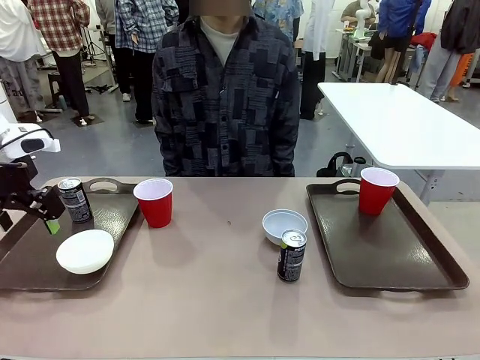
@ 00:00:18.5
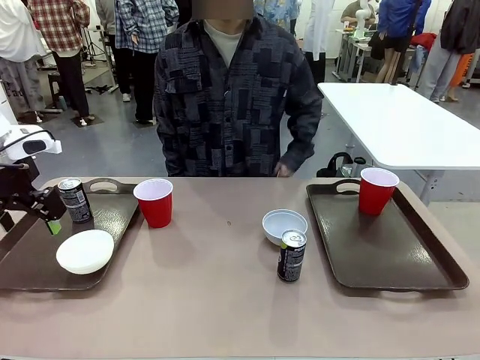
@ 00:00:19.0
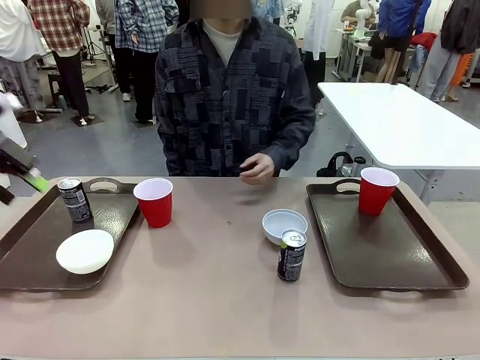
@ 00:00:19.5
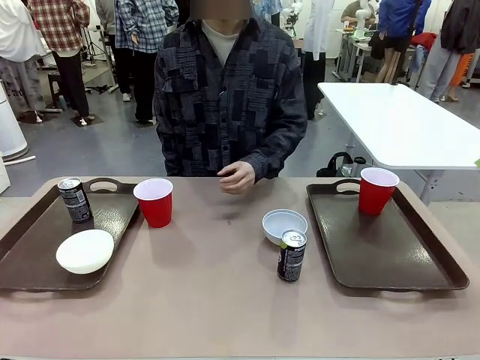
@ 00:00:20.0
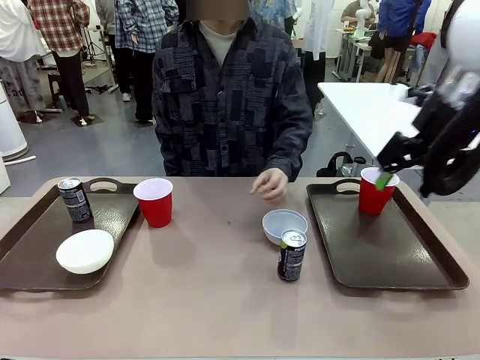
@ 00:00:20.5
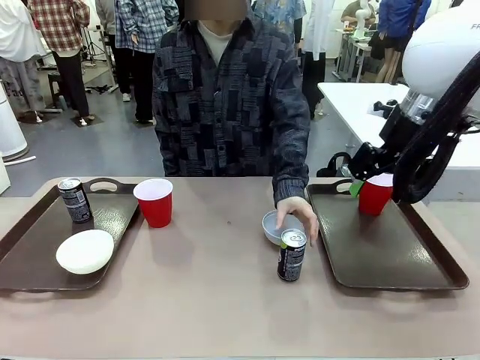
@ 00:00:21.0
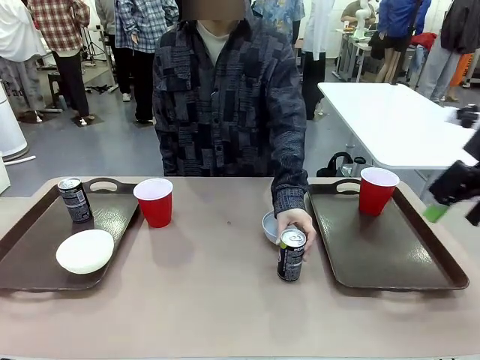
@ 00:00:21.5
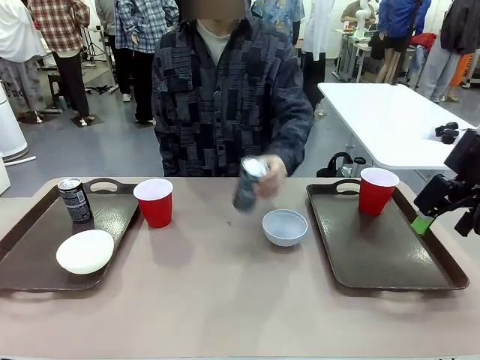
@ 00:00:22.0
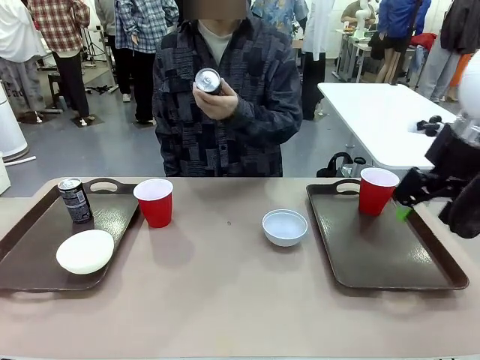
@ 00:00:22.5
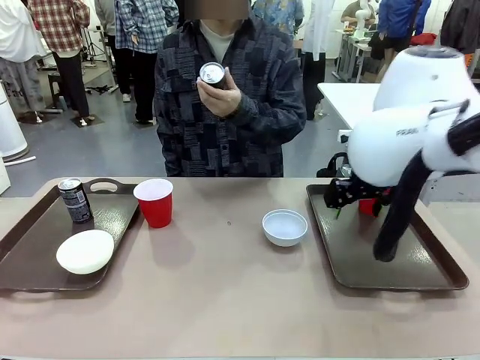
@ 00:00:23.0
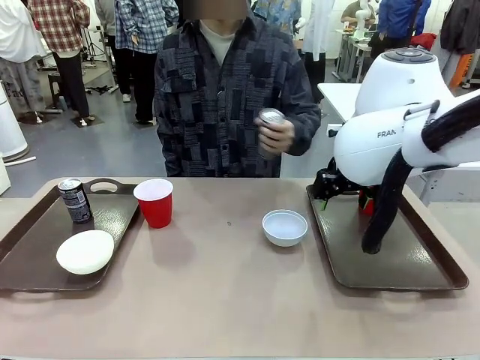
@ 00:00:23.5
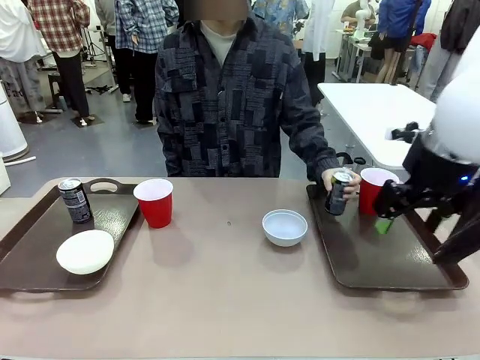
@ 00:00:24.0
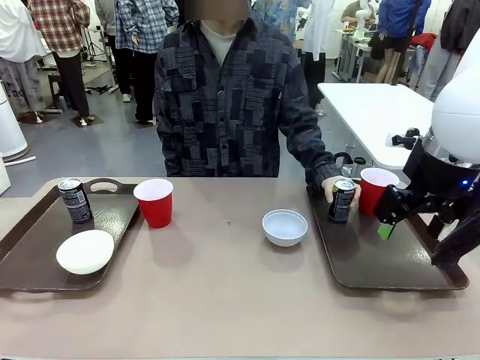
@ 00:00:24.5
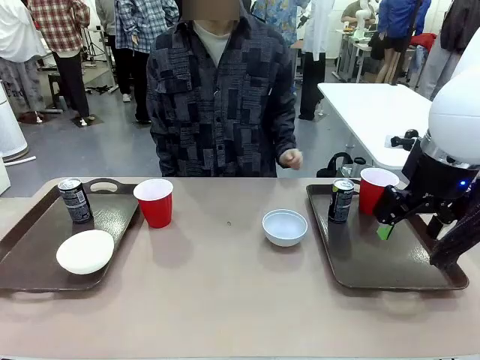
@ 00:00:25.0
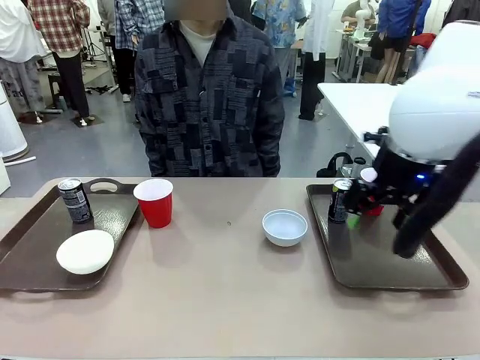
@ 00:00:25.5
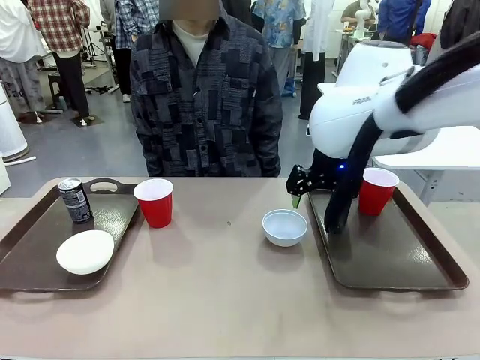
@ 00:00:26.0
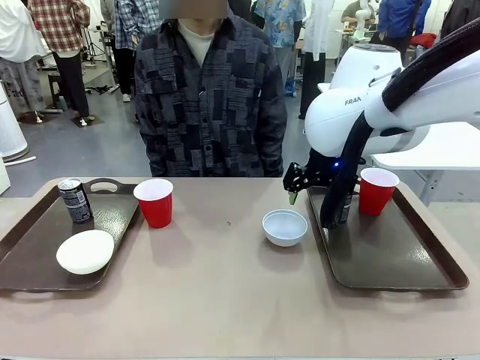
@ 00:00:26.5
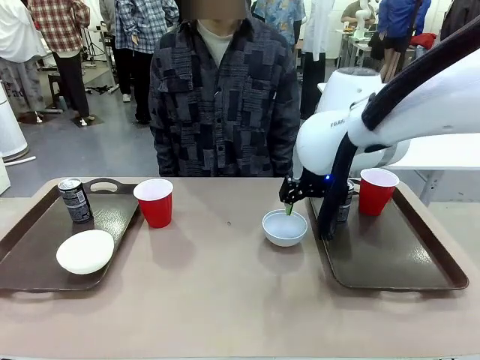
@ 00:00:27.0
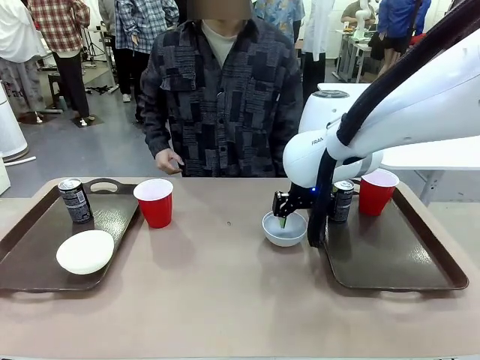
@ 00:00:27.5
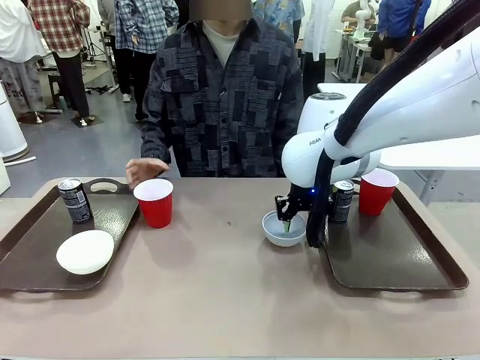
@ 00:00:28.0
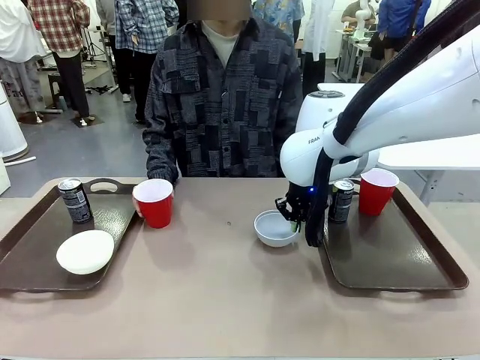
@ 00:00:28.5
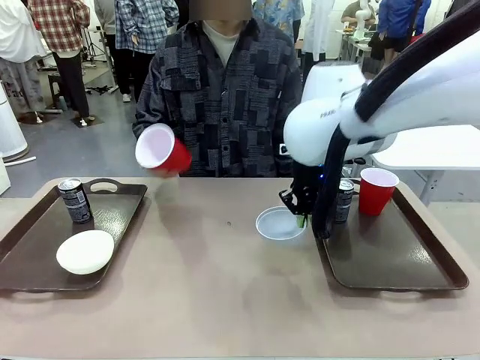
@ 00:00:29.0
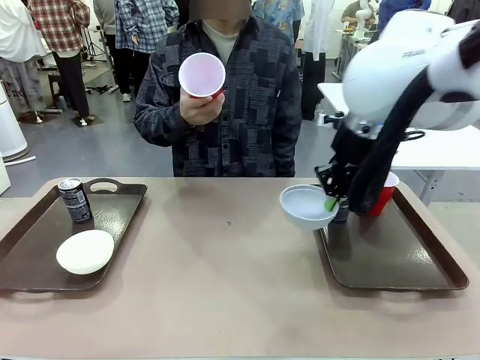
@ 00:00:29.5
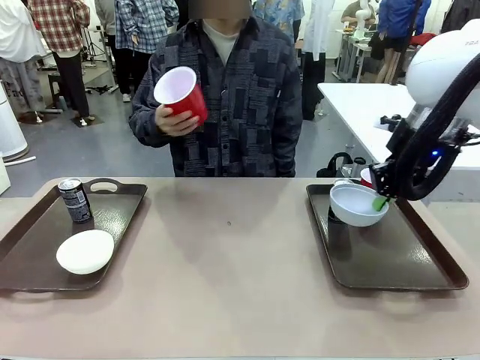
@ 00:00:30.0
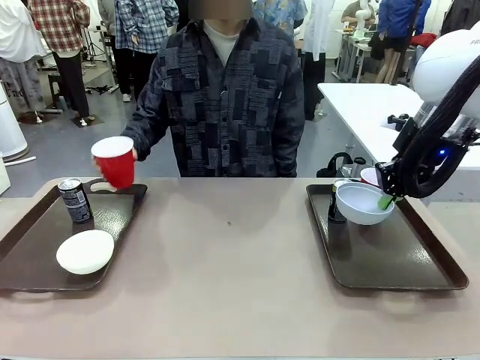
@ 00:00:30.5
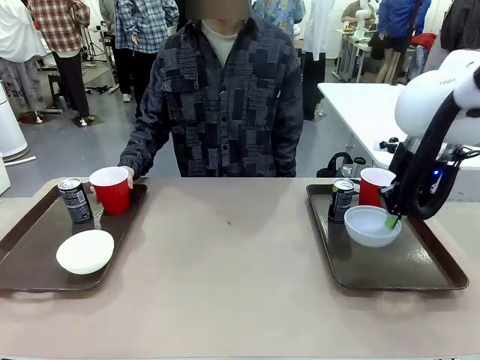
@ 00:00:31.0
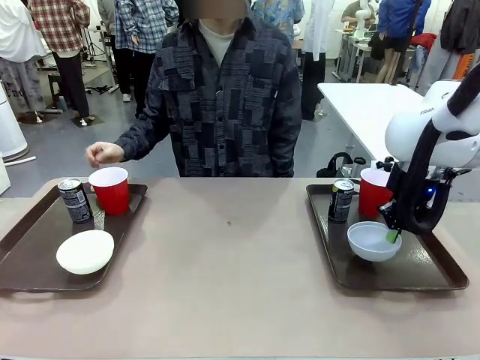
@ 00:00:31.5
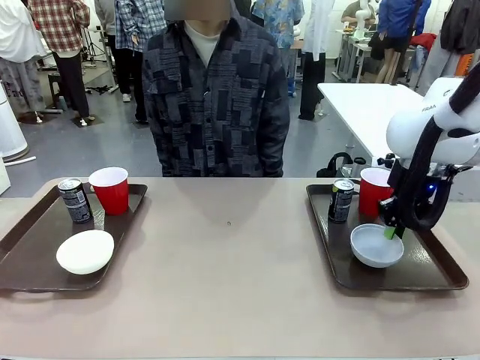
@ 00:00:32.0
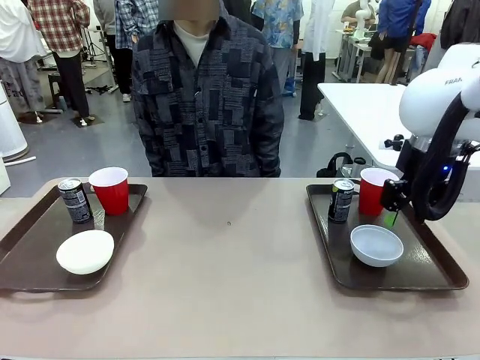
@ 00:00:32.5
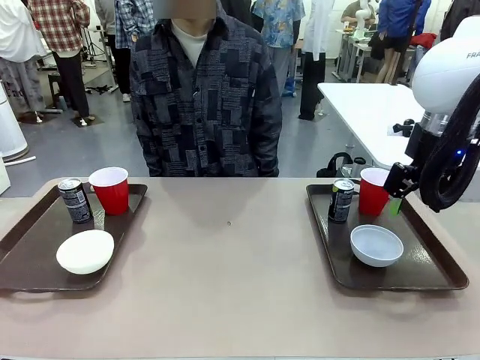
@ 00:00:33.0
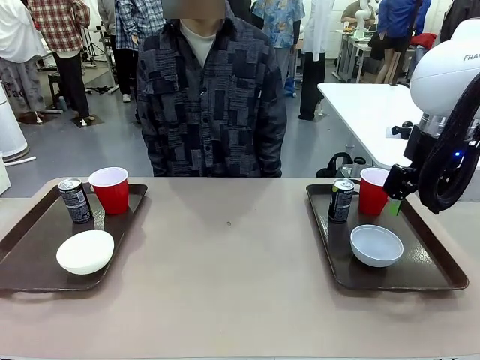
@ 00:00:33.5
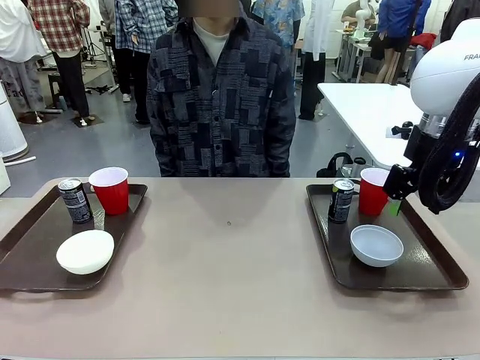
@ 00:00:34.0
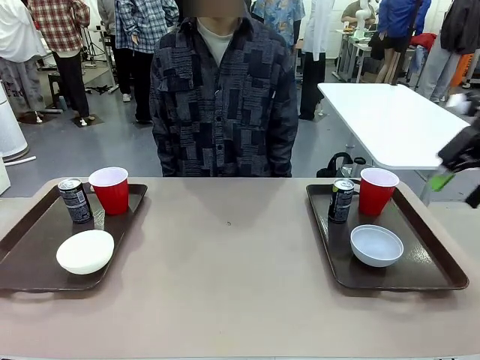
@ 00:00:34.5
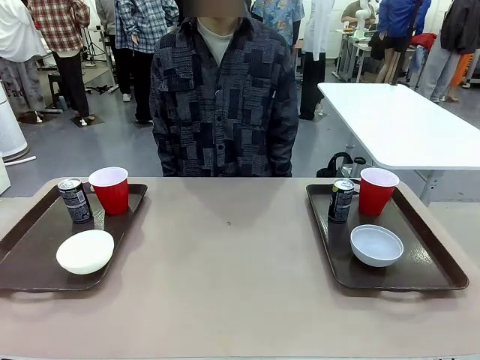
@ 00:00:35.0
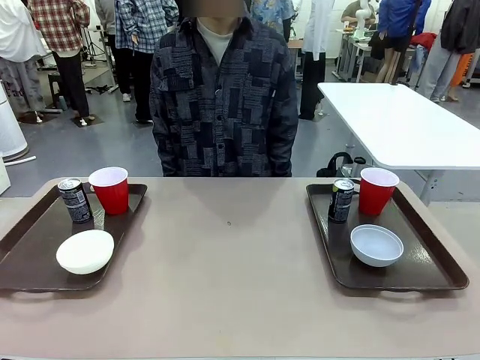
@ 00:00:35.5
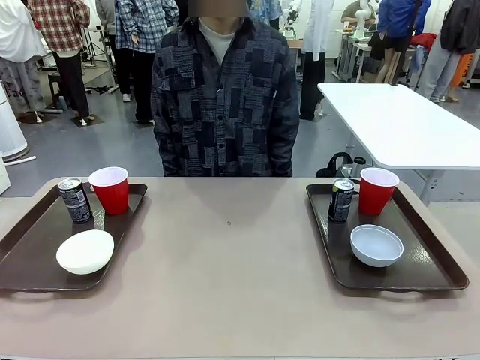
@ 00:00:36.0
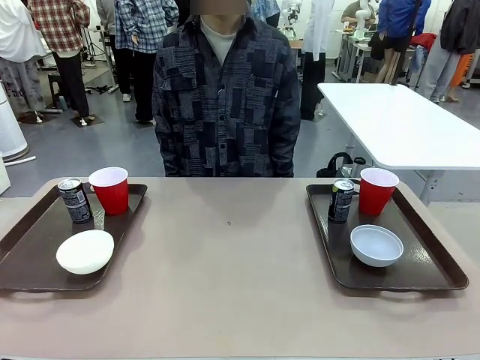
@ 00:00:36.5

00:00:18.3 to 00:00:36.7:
Task: Prepare tableware on both trays.
Robot: Pick up a Picnic Bowl from the table and place it on a Handle tray.
Person: Pick up a can or cup and place it on the tray without a can or cup.

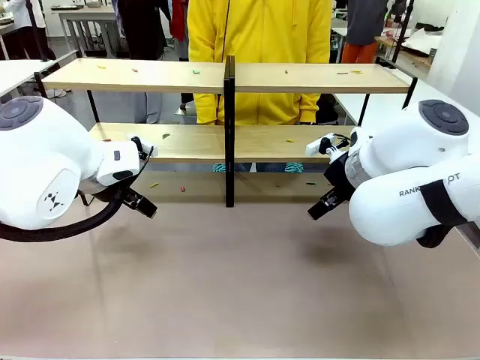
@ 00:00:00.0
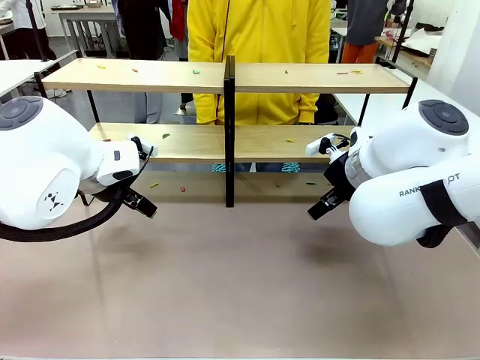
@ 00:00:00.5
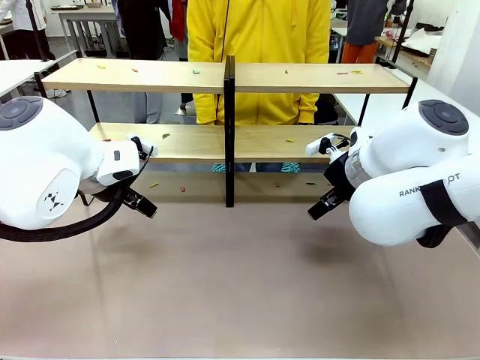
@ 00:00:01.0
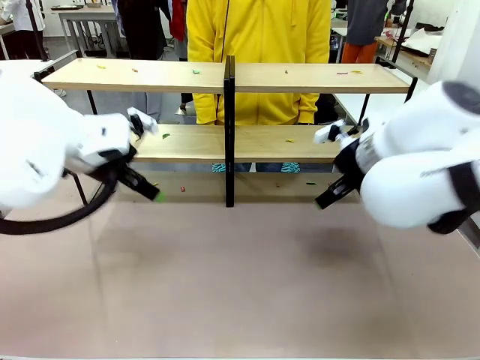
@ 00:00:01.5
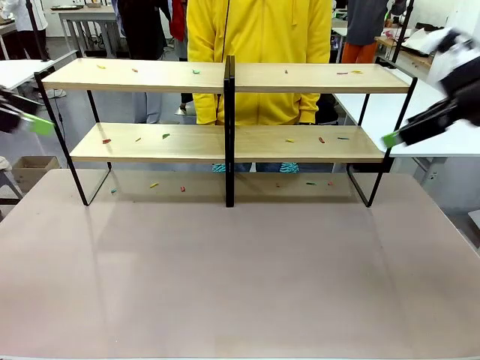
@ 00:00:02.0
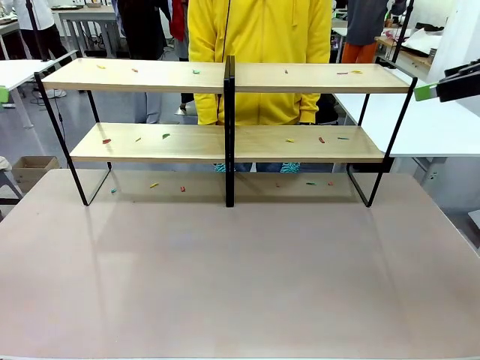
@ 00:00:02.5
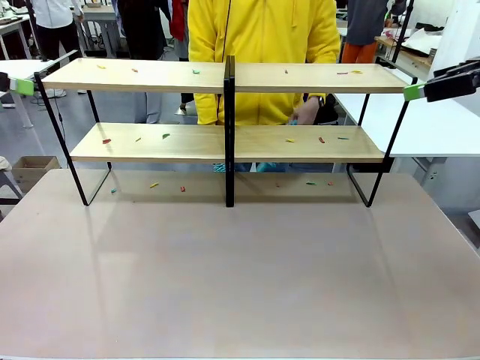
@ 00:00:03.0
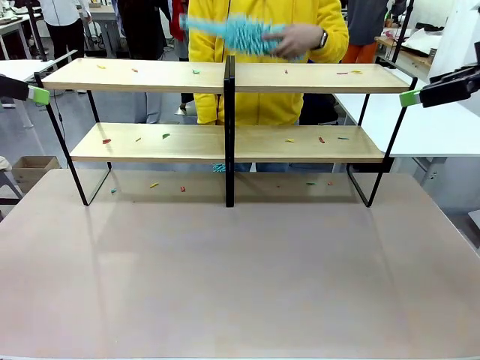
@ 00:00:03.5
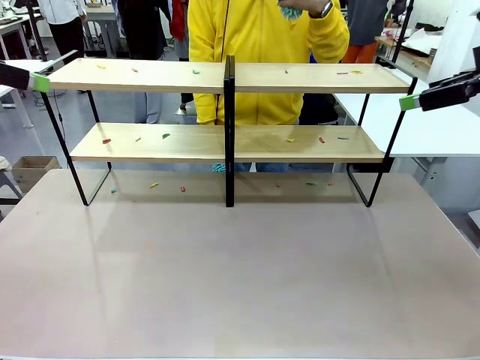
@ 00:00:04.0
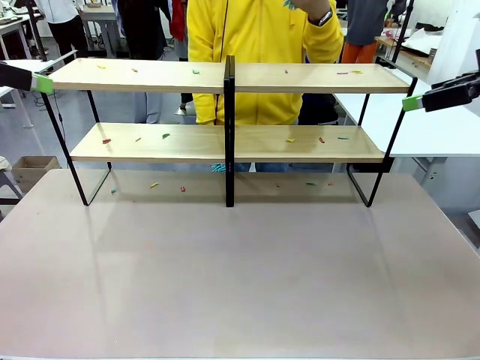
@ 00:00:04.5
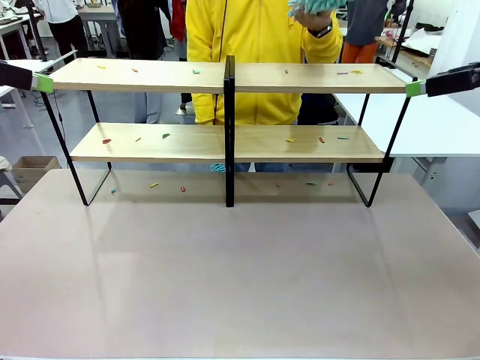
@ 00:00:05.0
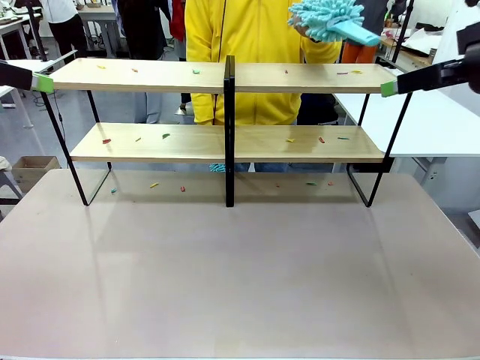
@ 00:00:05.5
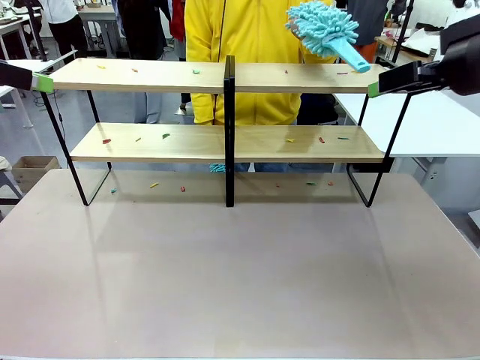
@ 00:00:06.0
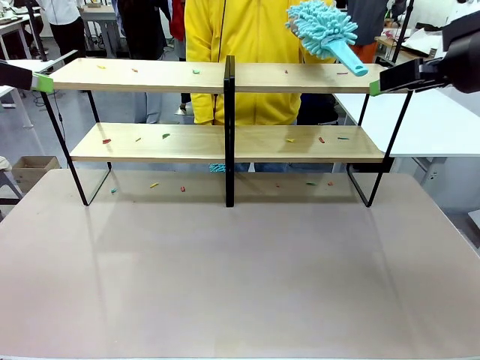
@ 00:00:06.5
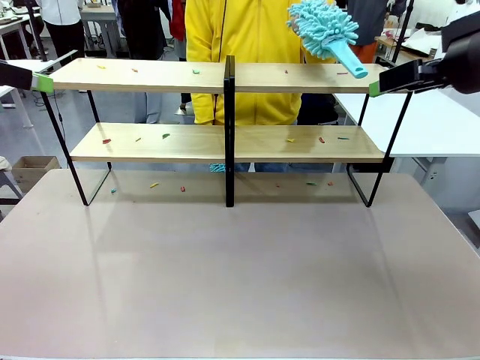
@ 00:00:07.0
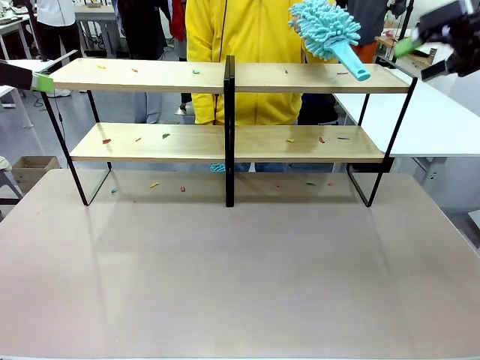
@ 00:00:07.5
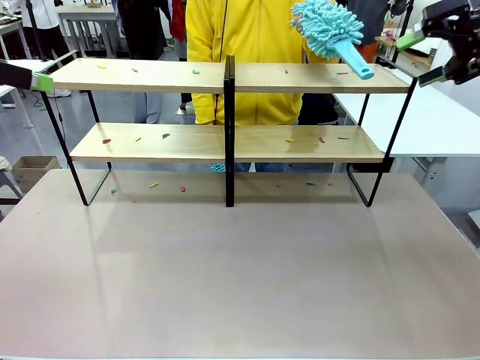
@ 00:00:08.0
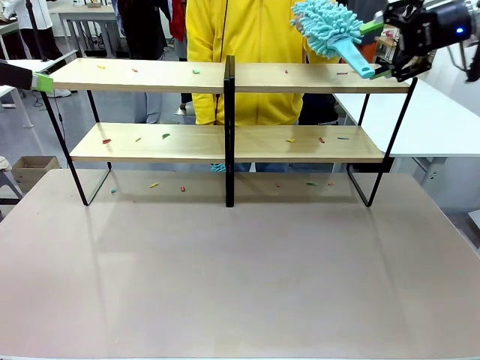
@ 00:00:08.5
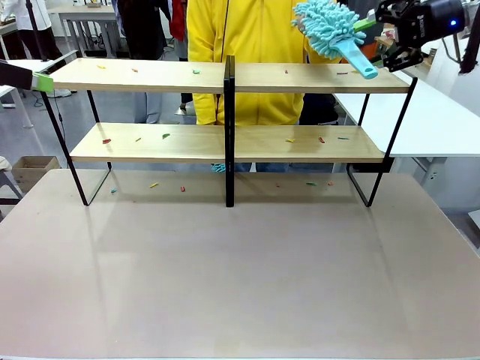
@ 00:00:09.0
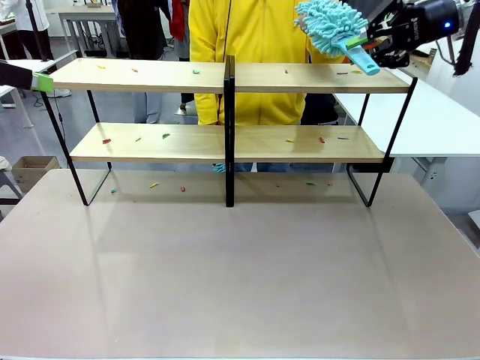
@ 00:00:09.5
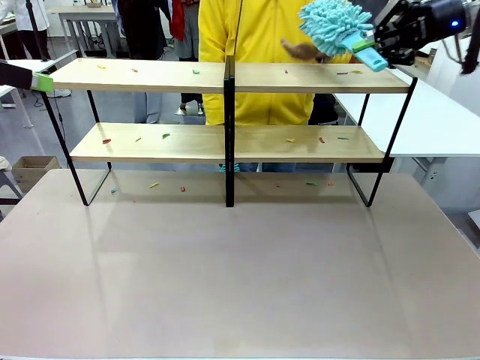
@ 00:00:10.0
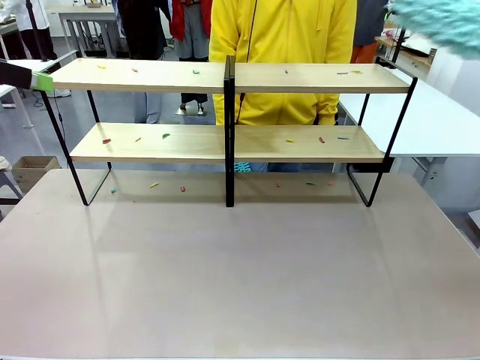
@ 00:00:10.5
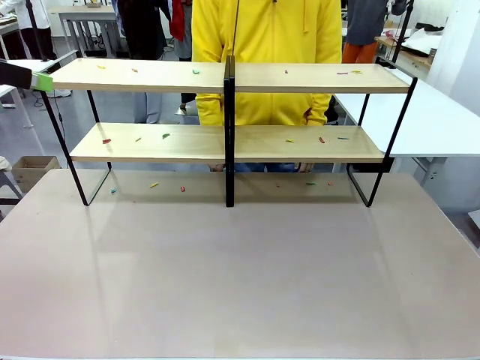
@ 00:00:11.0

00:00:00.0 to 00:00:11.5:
Task: Clean the shelves.
Robot: Pick up the Duster when the human hands it over.
Person: Hand the Duster to the robot with your right (or left) hand.
